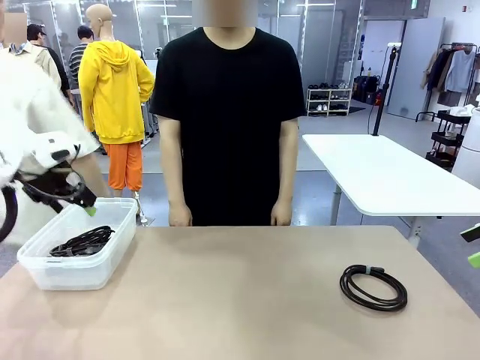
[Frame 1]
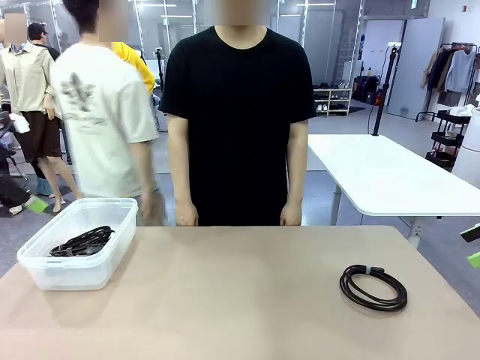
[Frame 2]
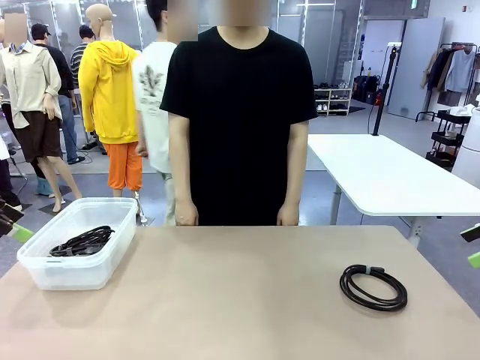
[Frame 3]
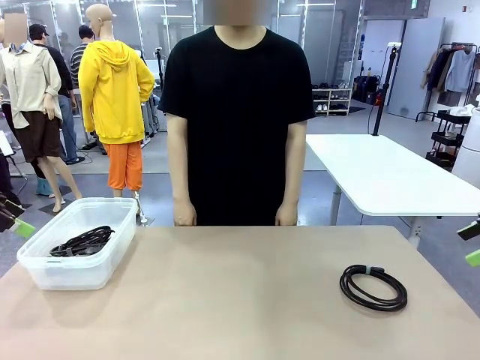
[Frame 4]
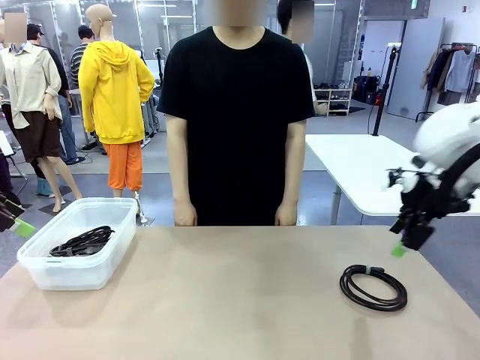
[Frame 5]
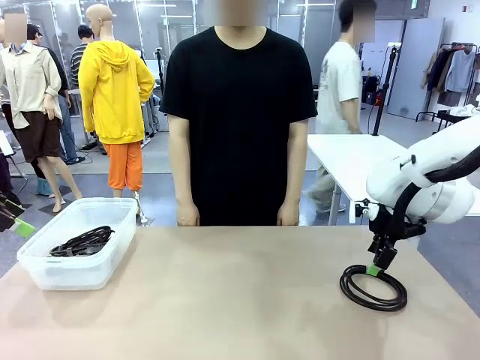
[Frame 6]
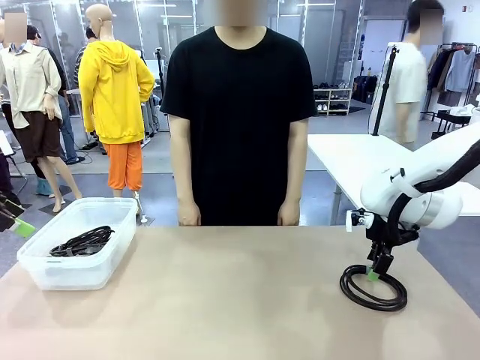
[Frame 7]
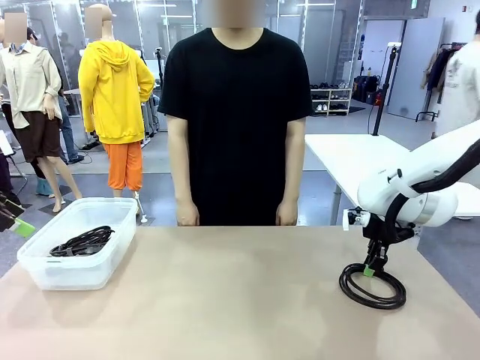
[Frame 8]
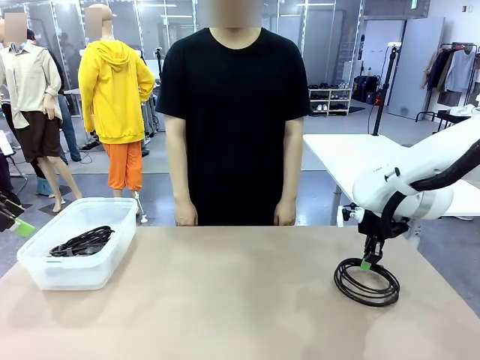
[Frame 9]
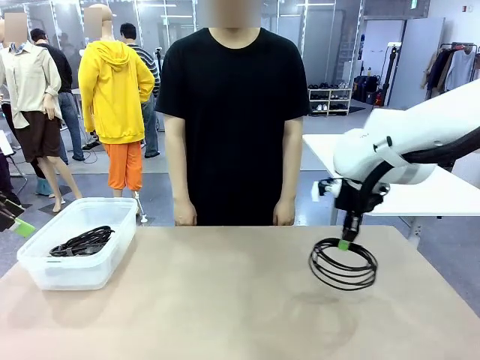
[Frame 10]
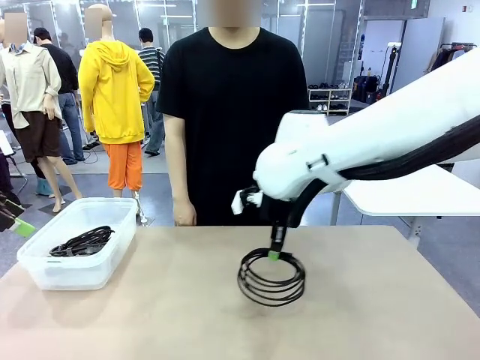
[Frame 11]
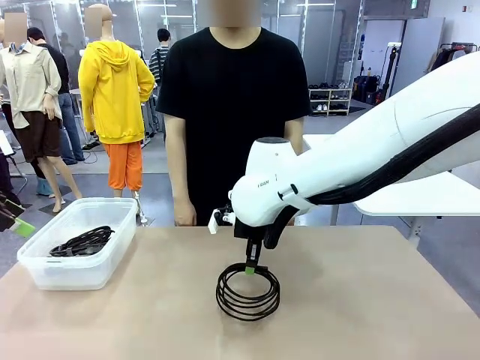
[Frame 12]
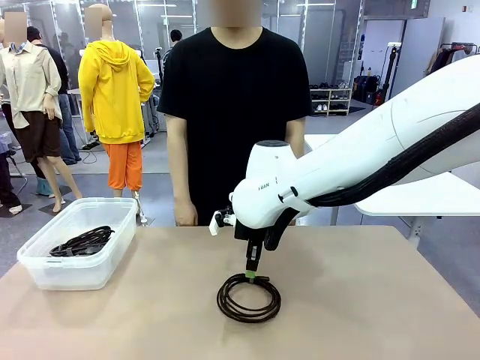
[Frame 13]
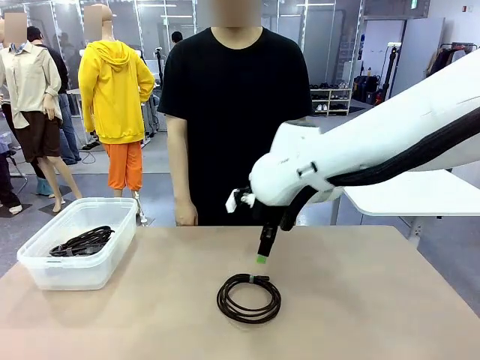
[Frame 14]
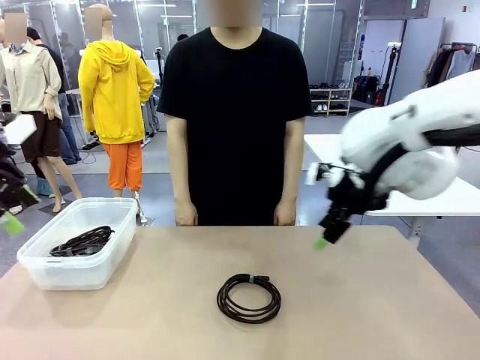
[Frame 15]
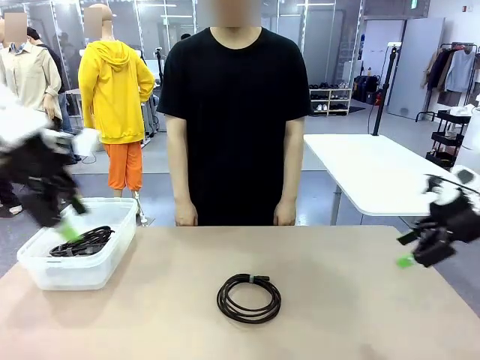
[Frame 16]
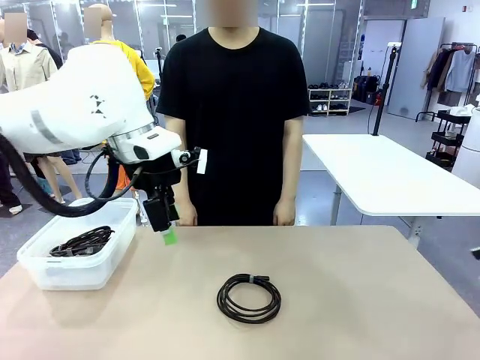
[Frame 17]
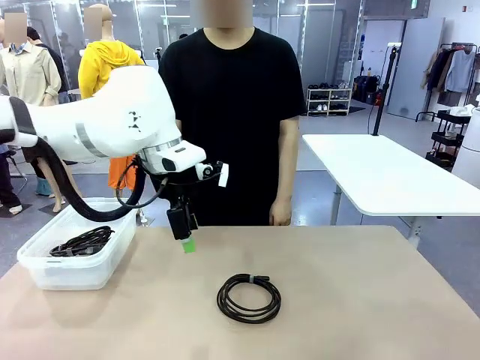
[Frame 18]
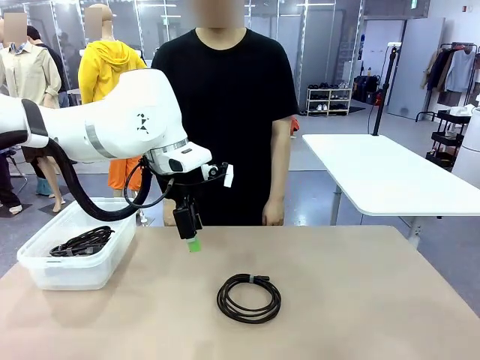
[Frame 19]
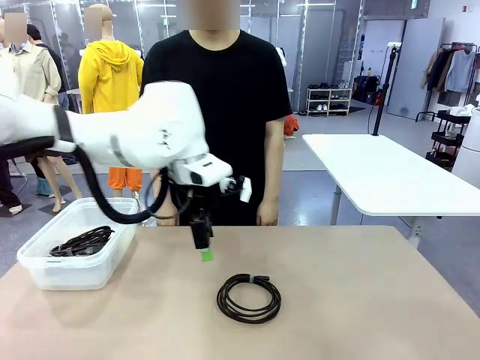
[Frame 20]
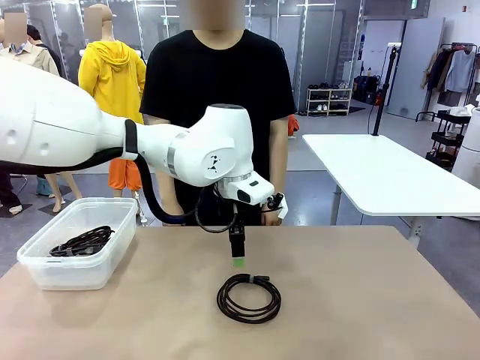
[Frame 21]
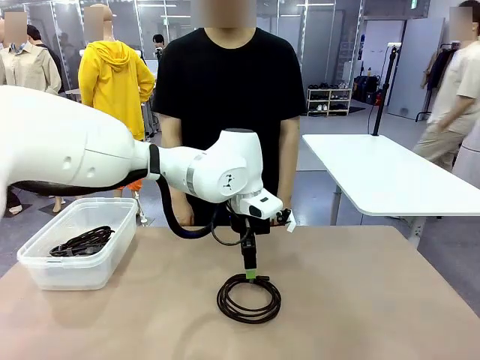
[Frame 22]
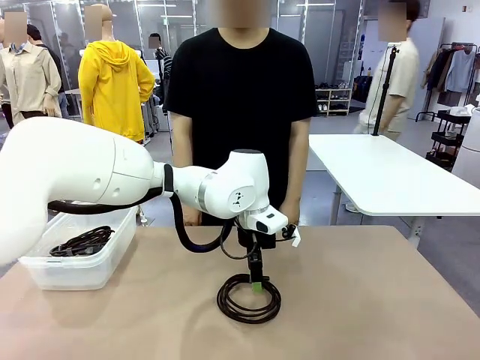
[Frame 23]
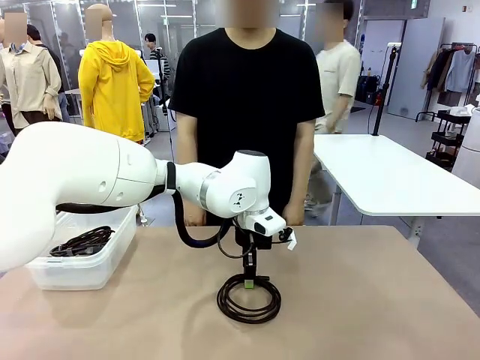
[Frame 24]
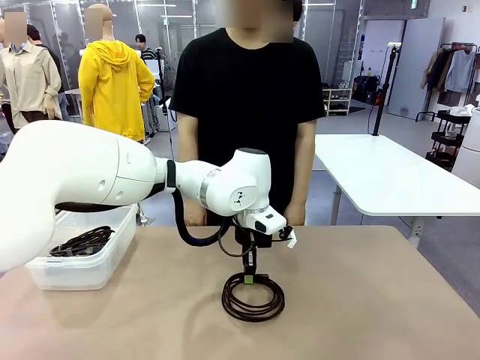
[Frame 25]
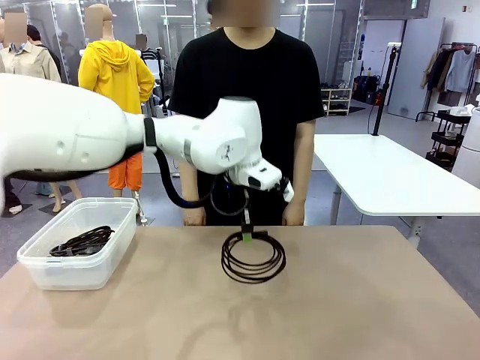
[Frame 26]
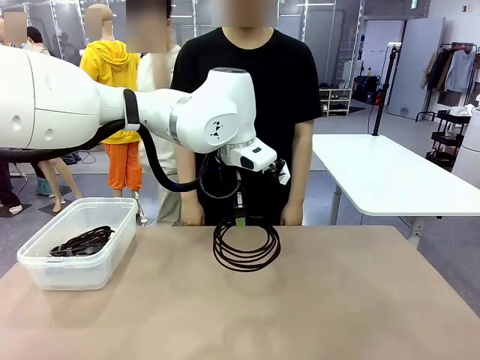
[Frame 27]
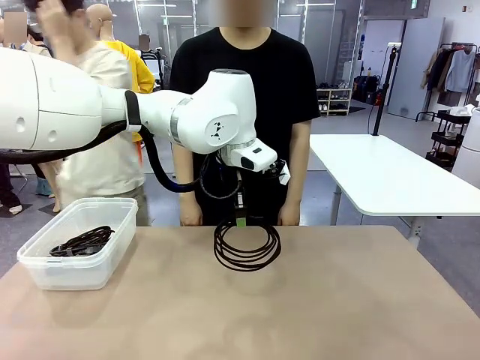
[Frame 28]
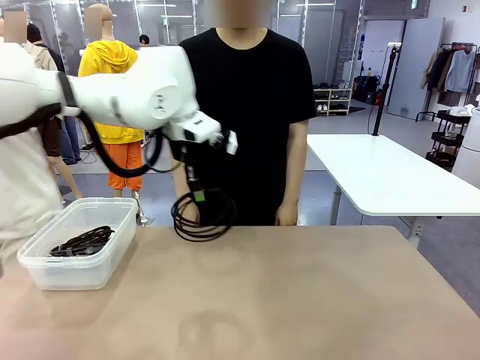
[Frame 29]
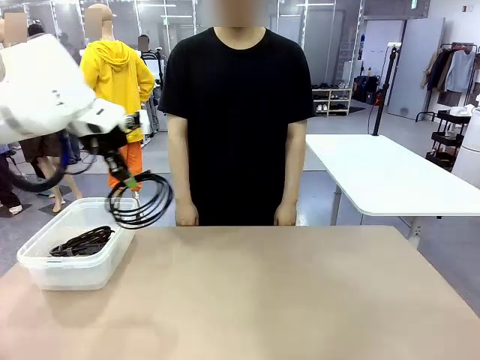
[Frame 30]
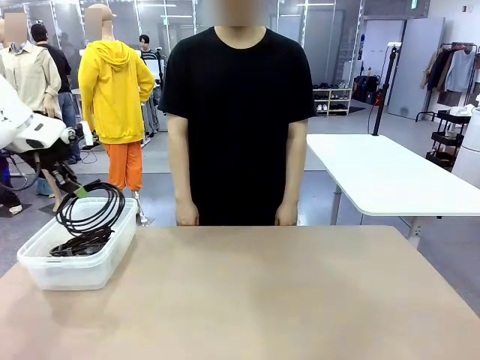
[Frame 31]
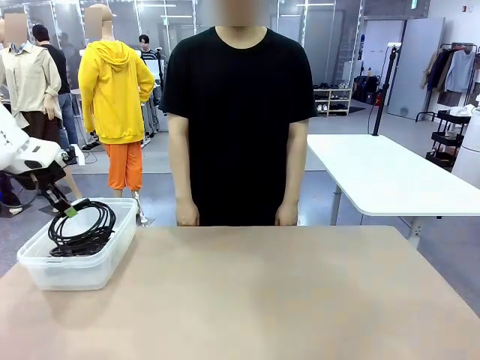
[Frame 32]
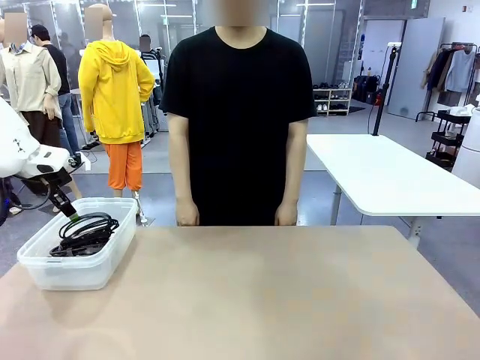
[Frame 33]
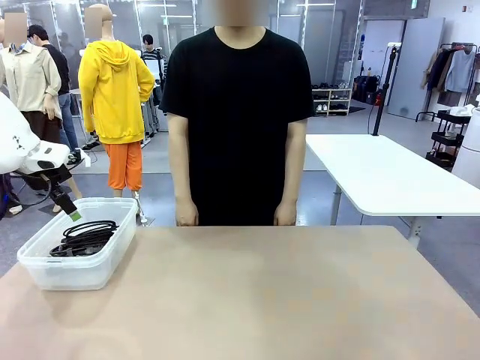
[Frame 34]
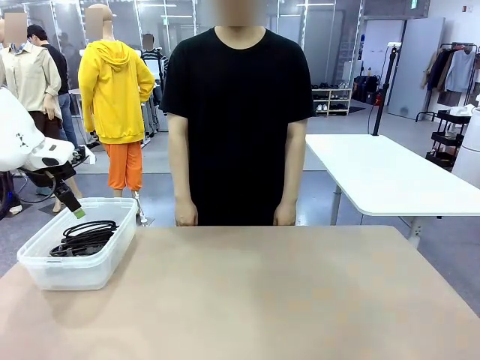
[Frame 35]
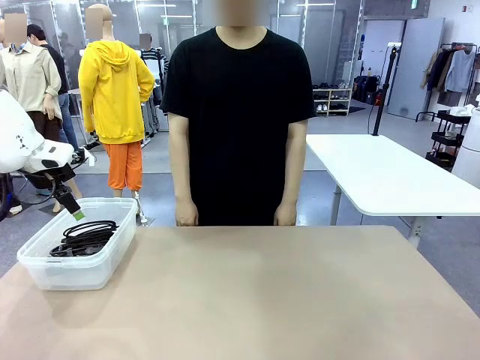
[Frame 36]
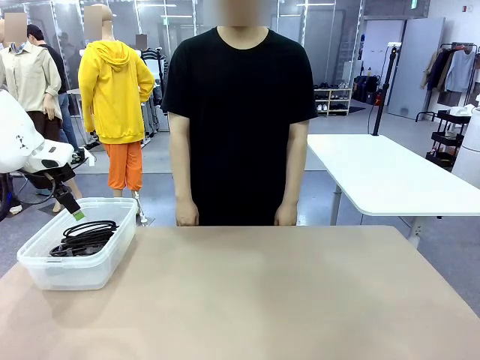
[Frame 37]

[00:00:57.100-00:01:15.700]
Task: Organize and store the cables.
Robot: Place the USB Extension Cable into the Organizing box.

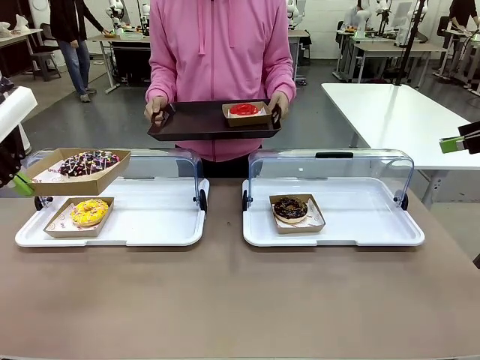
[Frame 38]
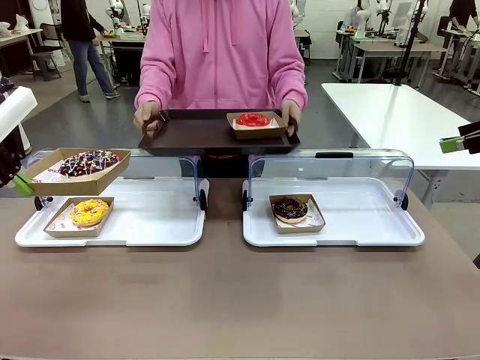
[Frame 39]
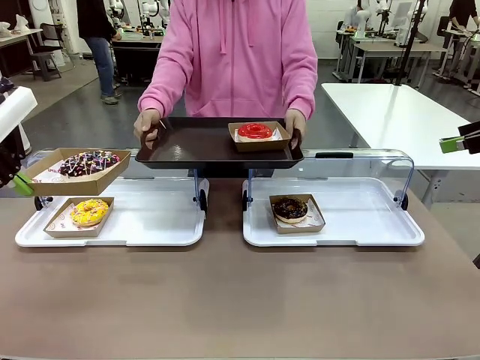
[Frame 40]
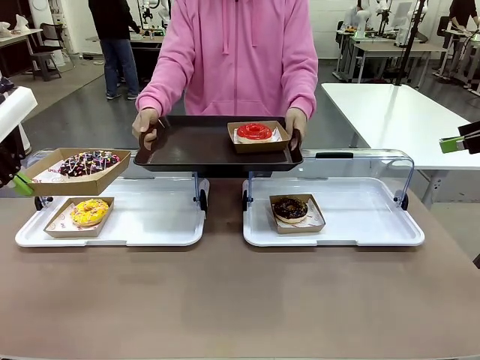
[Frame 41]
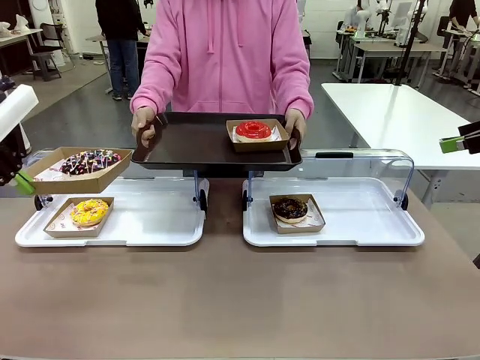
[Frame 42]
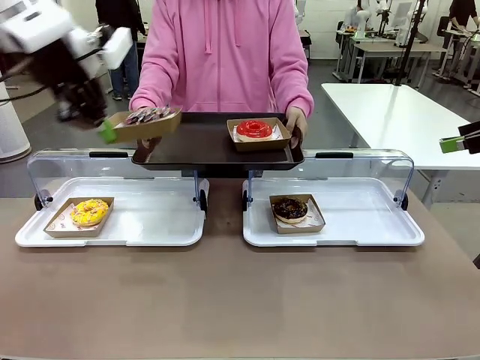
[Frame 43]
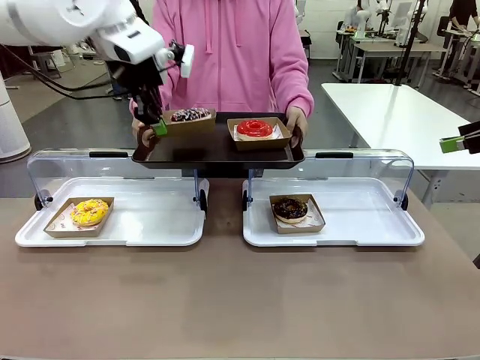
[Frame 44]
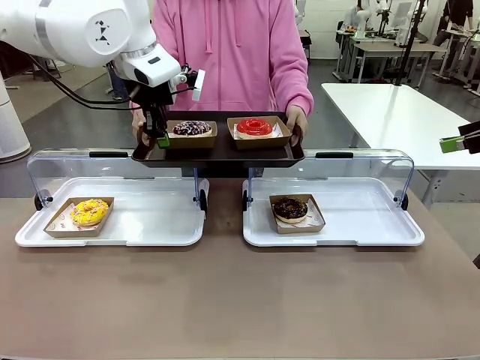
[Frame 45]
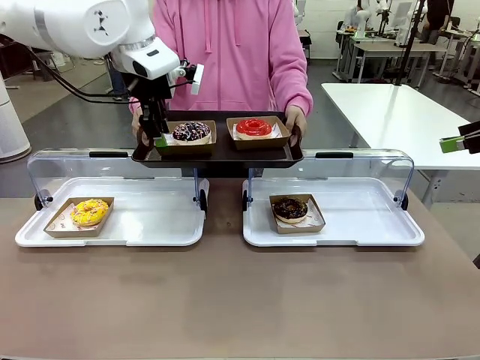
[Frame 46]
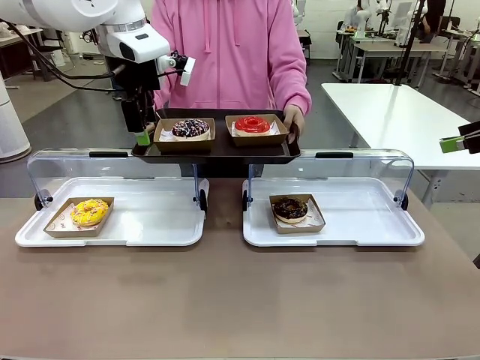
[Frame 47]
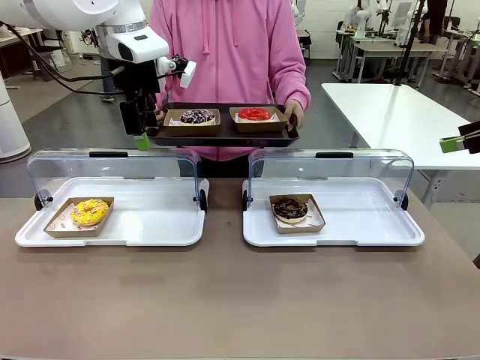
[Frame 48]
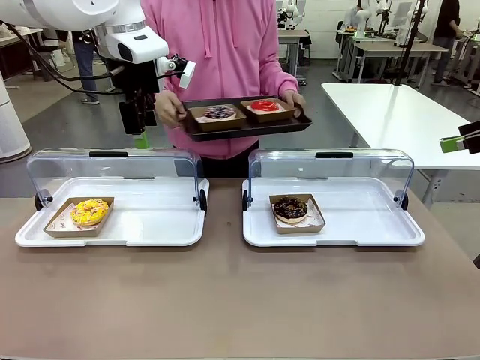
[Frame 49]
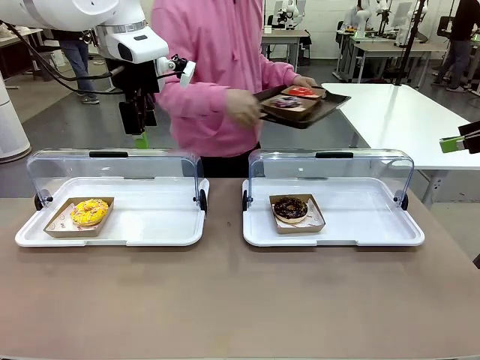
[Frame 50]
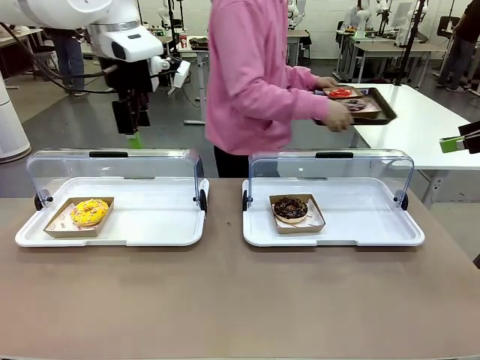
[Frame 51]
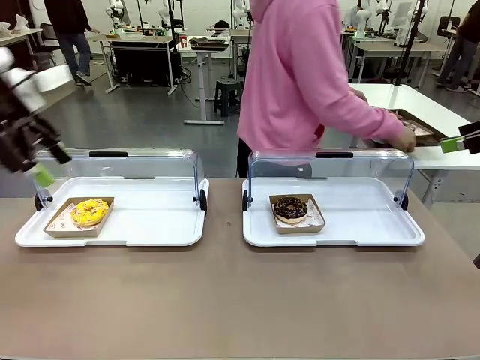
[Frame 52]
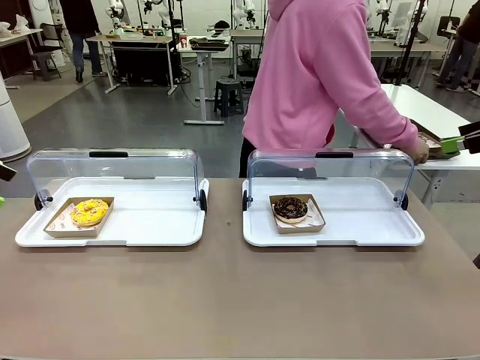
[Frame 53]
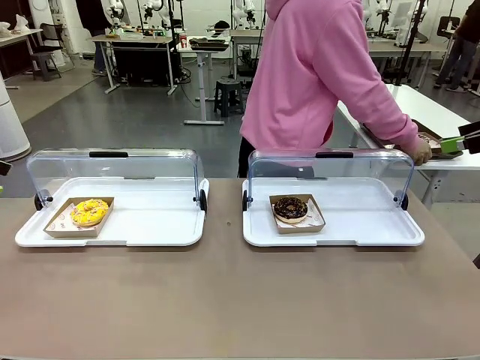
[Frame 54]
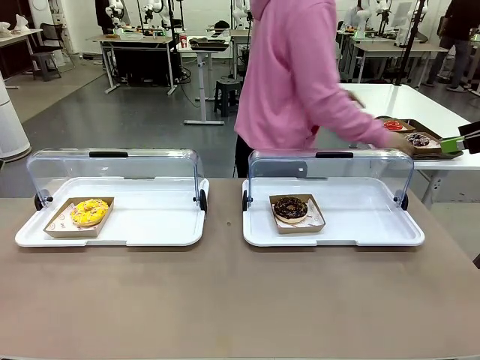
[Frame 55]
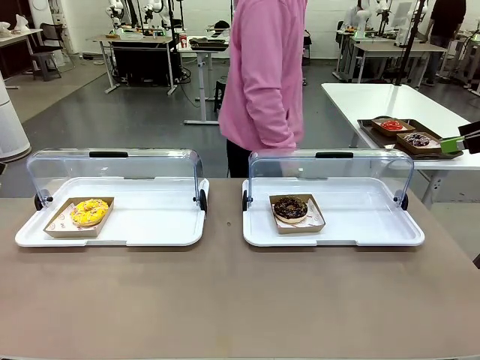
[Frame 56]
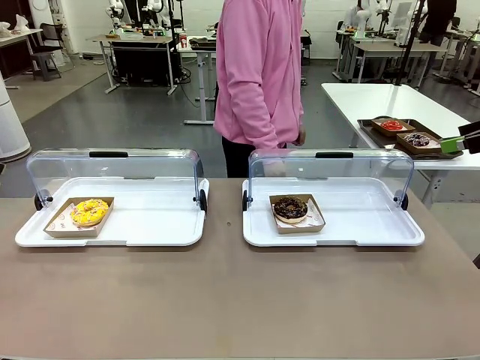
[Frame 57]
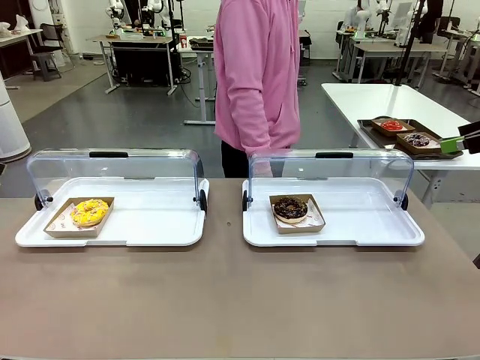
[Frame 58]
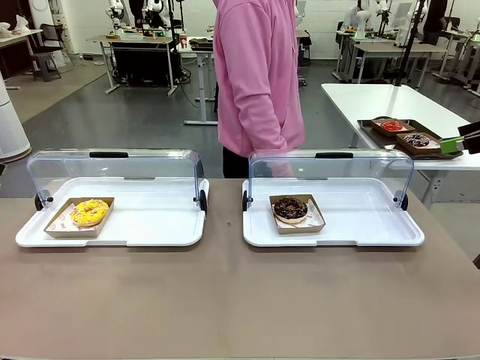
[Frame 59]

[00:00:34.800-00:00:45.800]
Task: Provide the desired donut to the person.
Robot: Place the picked Paper togo box onto the Handle tray extended by the person.
Person: Place the tray in the middle of the human table.
